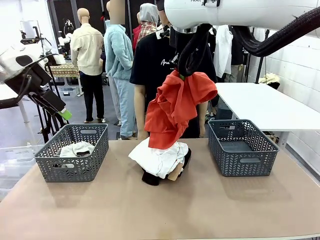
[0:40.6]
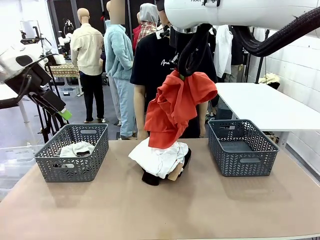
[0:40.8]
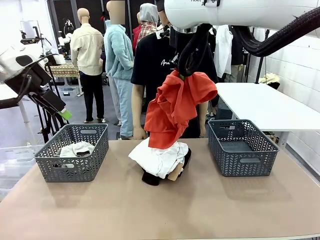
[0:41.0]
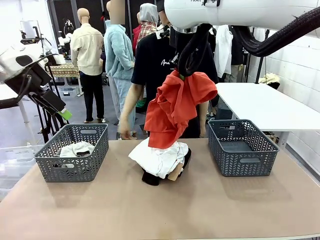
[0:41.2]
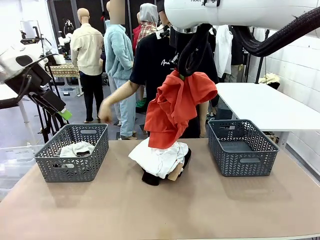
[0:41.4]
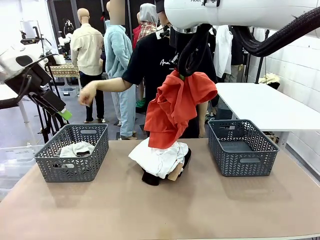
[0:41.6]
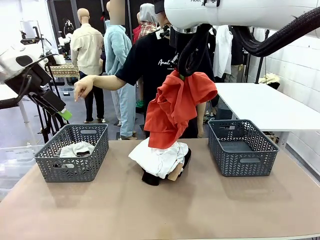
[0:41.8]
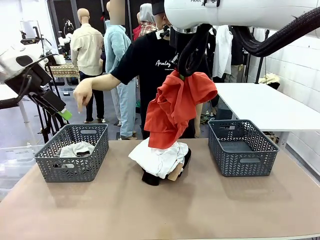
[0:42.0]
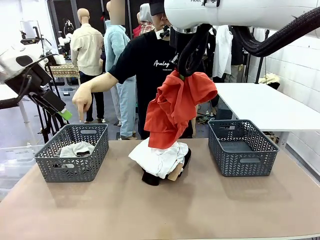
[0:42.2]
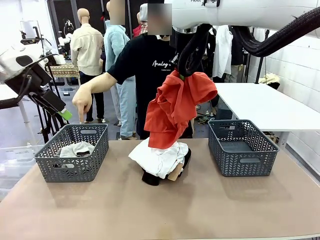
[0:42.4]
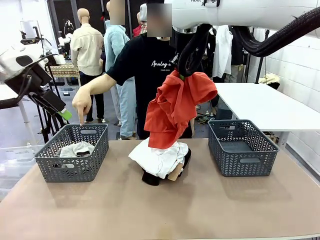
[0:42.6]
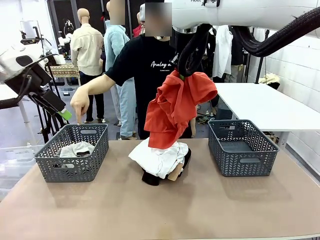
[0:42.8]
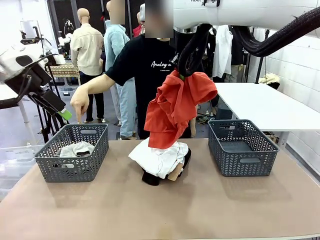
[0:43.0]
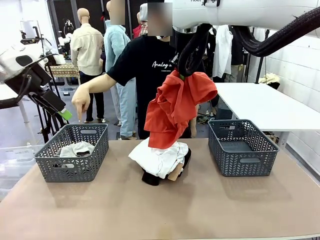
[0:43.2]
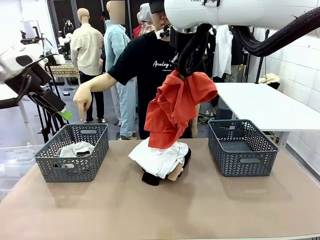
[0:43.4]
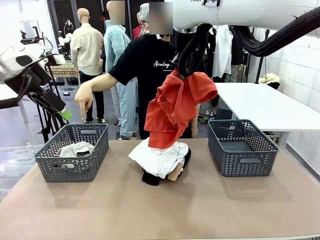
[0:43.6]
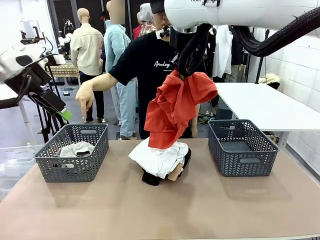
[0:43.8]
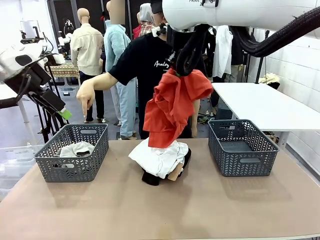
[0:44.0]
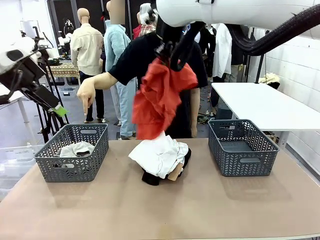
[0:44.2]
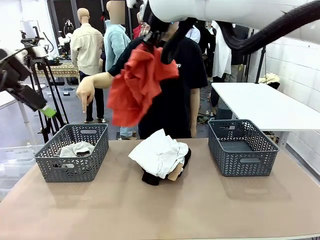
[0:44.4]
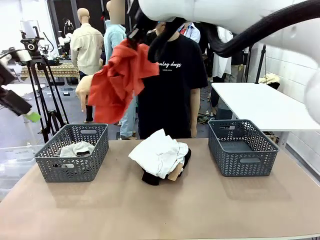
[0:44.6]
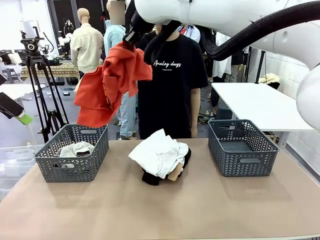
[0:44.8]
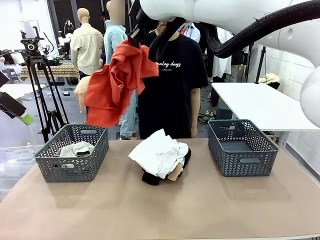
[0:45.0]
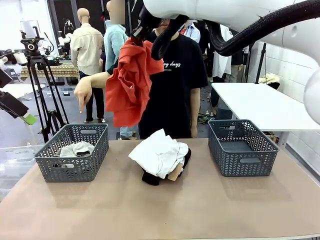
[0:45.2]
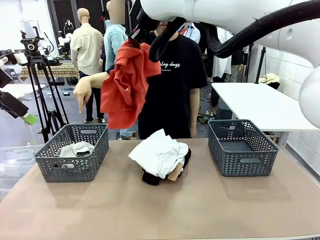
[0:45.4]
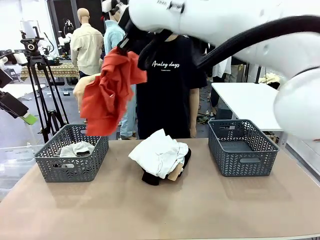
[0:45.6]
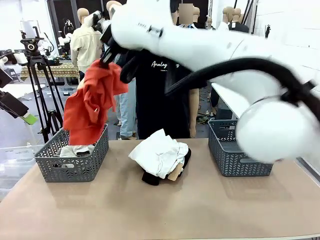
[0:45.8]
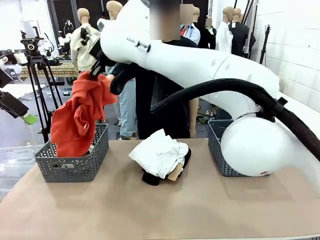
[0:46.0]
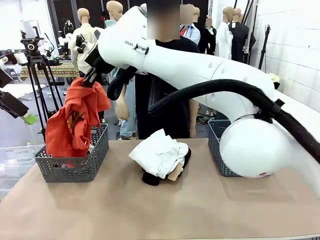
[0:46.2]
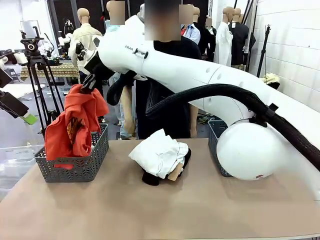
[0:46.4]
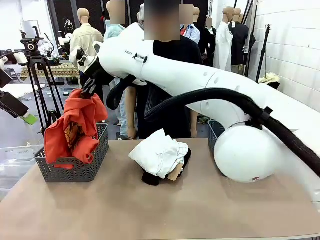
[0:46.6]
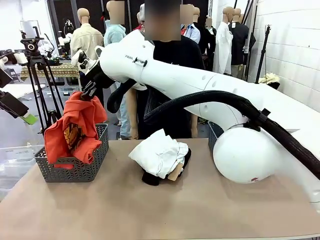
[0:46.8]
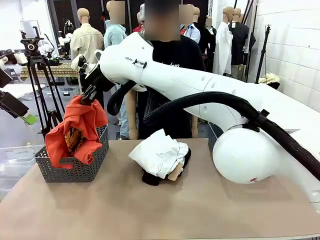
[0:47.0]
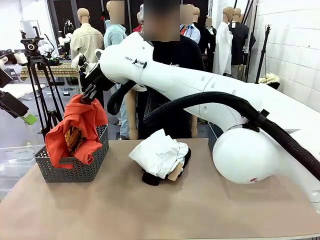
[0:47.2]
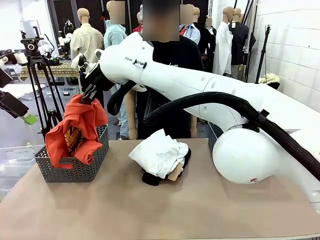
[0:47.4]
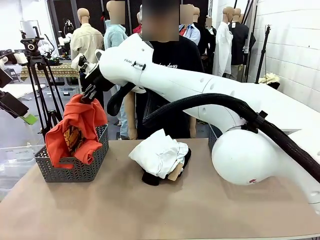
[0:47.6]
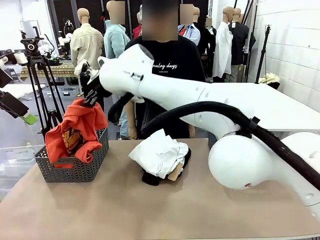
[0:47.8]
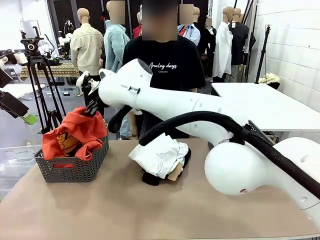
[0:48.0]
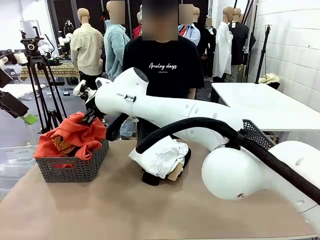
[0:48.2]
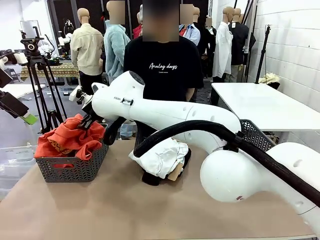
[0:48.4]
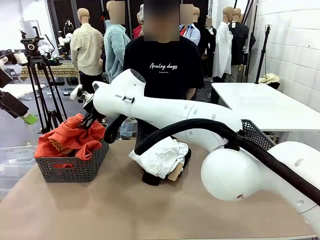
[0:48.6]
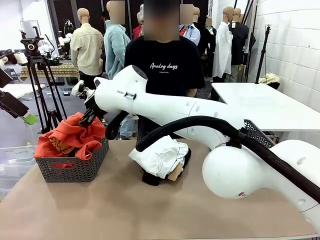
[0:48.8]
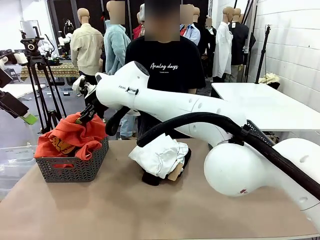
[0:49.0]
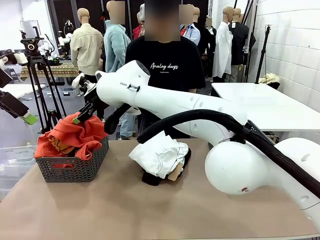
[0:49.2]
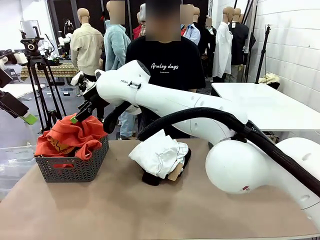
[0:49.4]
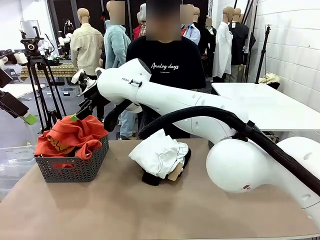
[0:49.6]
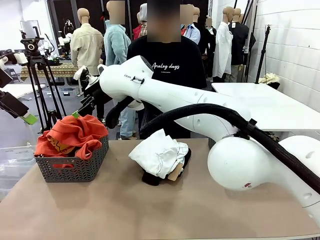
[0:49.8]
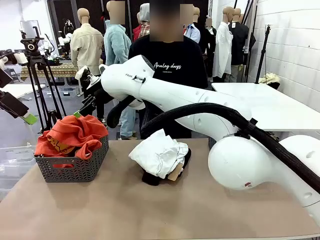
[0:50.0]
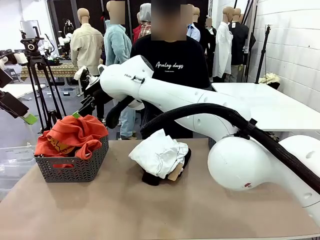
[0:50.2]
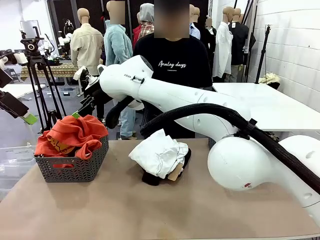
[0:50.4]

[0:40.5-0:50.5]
Task: Sort the tops and bottoms.
Robot: Sort the clothes according to human instructions.

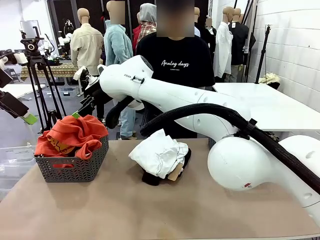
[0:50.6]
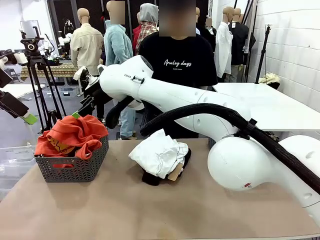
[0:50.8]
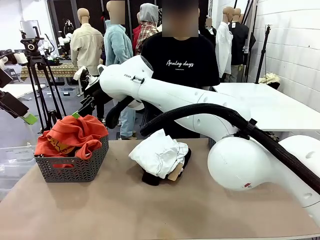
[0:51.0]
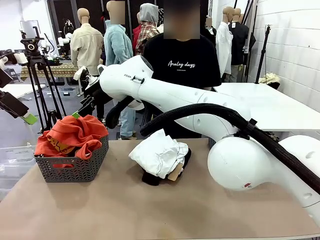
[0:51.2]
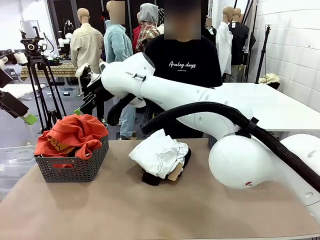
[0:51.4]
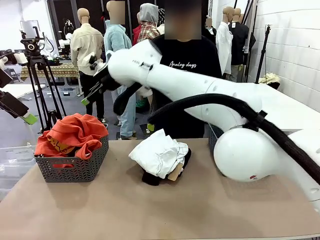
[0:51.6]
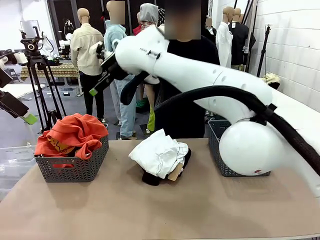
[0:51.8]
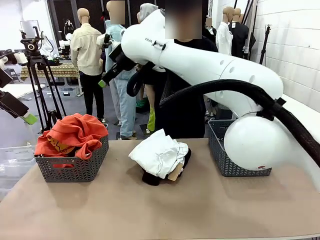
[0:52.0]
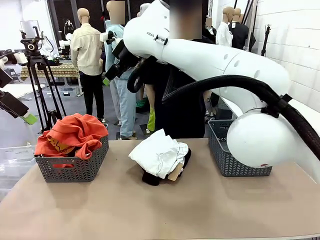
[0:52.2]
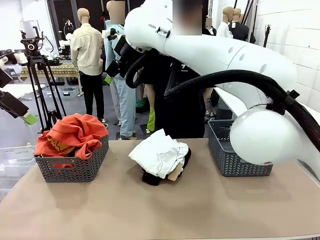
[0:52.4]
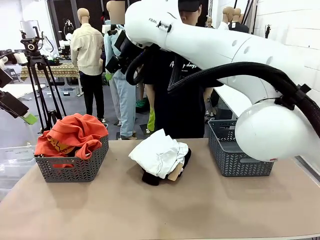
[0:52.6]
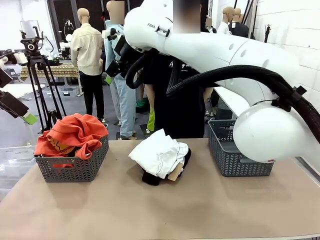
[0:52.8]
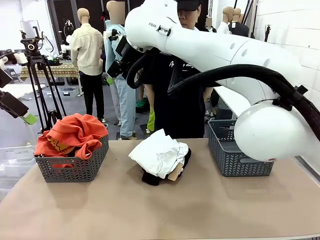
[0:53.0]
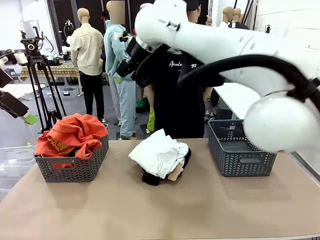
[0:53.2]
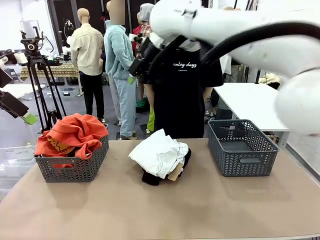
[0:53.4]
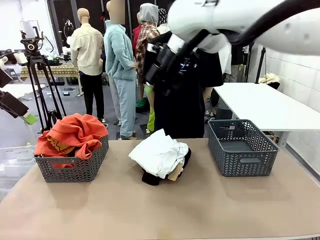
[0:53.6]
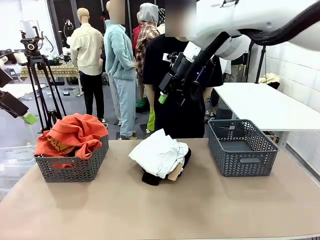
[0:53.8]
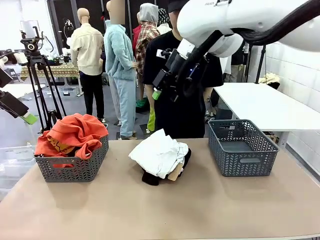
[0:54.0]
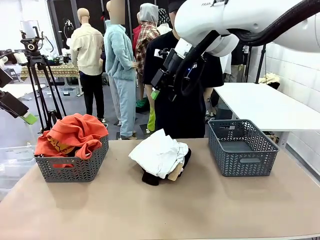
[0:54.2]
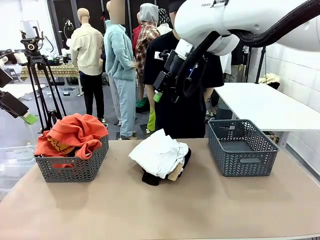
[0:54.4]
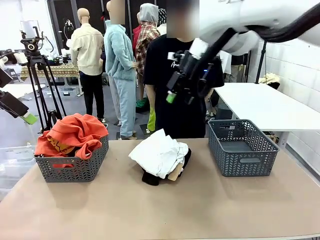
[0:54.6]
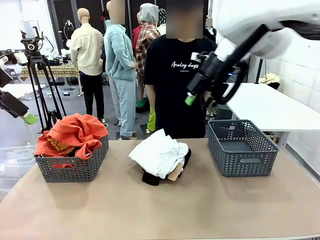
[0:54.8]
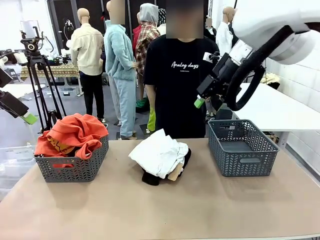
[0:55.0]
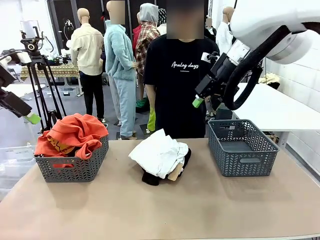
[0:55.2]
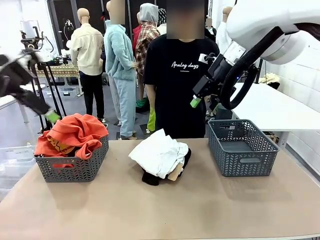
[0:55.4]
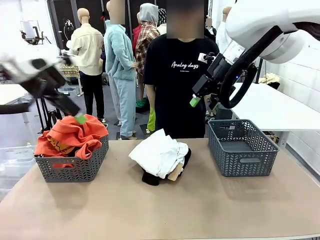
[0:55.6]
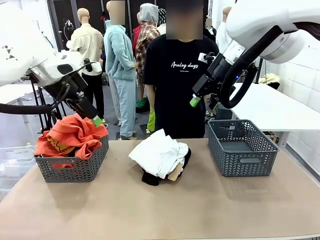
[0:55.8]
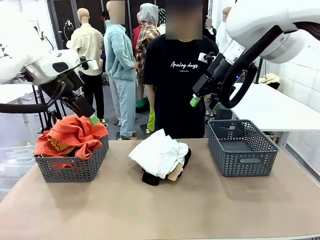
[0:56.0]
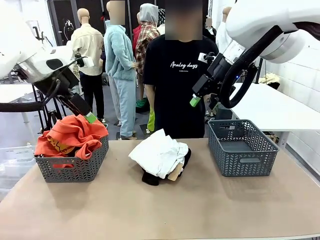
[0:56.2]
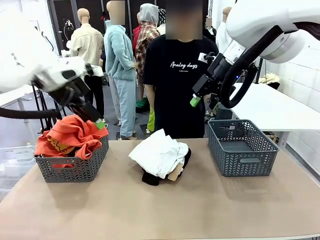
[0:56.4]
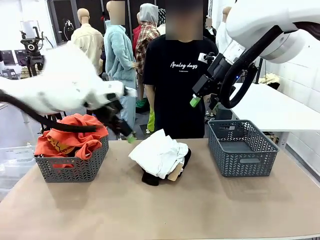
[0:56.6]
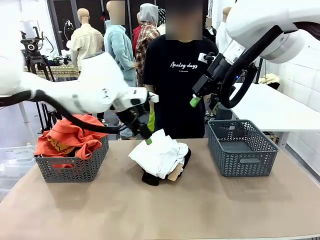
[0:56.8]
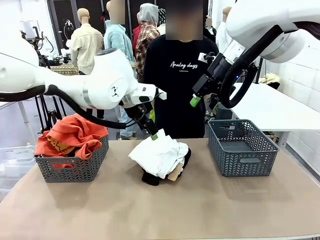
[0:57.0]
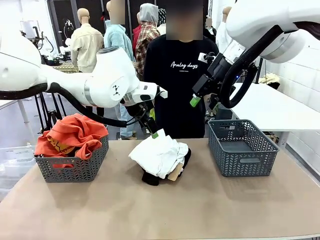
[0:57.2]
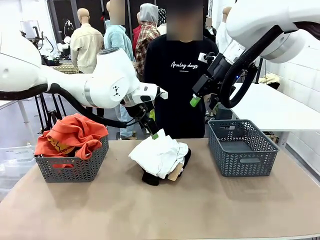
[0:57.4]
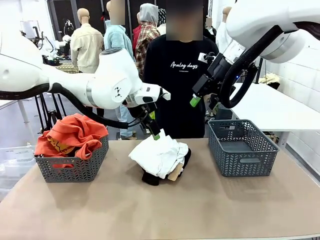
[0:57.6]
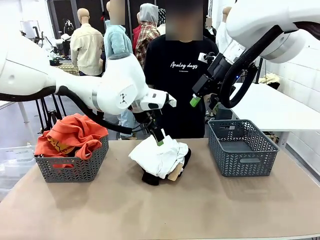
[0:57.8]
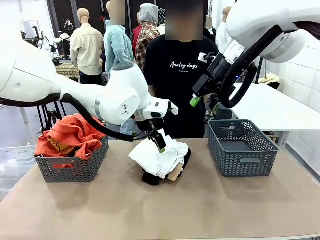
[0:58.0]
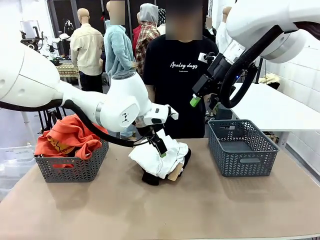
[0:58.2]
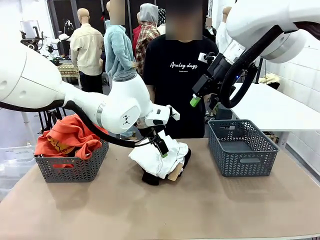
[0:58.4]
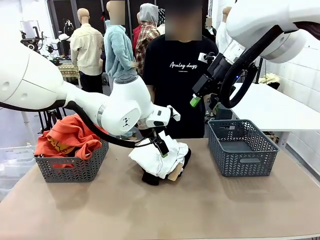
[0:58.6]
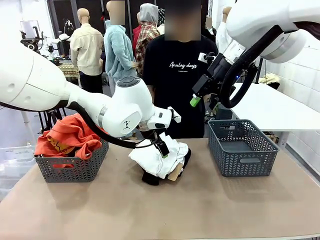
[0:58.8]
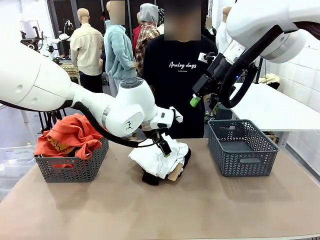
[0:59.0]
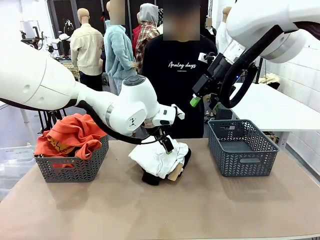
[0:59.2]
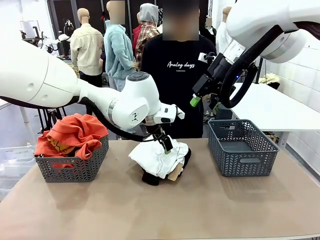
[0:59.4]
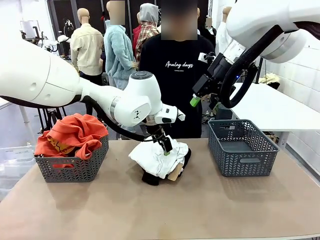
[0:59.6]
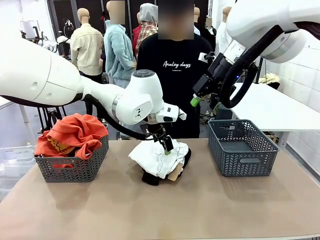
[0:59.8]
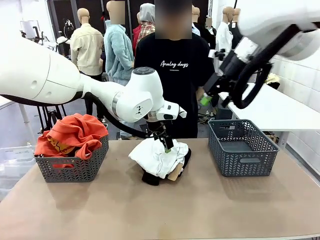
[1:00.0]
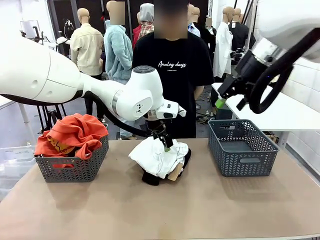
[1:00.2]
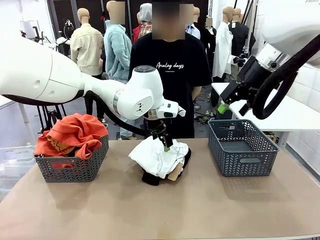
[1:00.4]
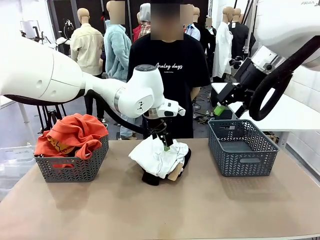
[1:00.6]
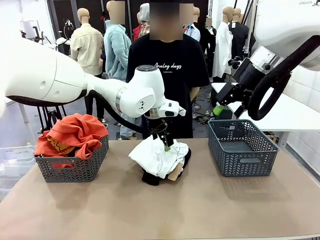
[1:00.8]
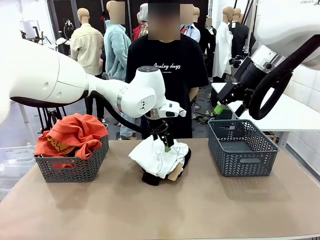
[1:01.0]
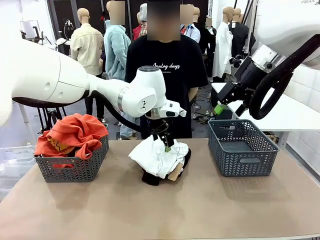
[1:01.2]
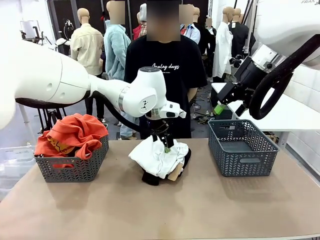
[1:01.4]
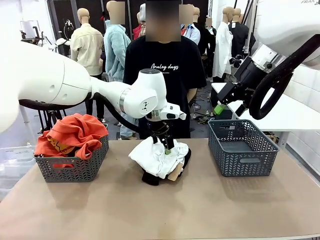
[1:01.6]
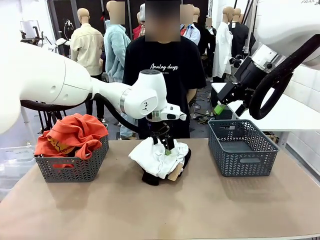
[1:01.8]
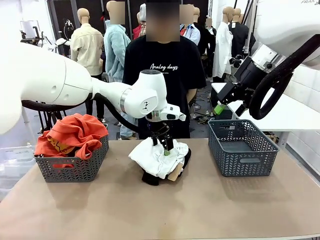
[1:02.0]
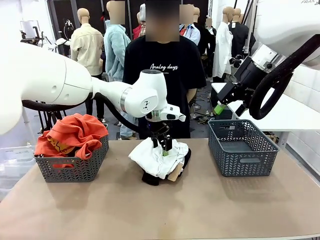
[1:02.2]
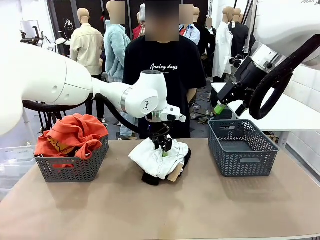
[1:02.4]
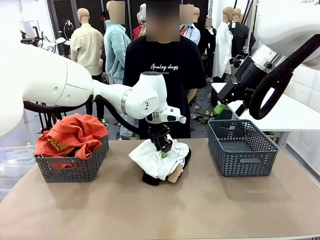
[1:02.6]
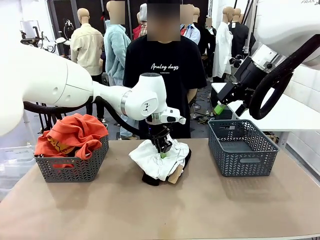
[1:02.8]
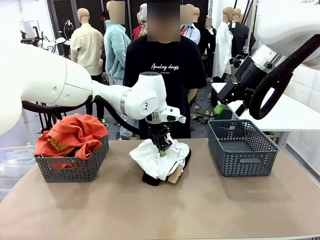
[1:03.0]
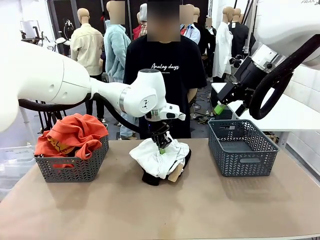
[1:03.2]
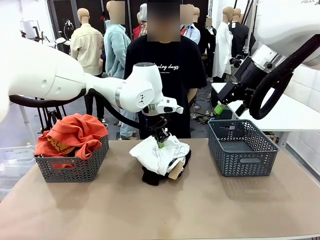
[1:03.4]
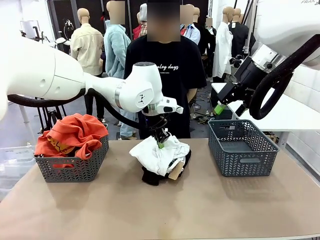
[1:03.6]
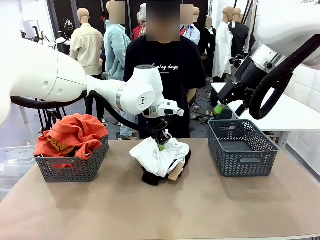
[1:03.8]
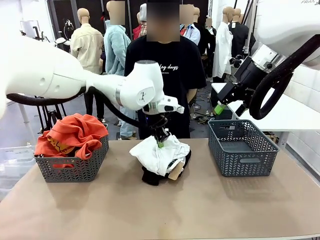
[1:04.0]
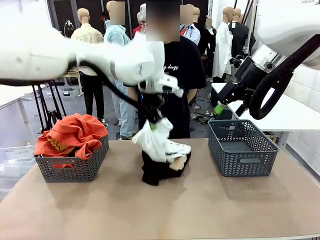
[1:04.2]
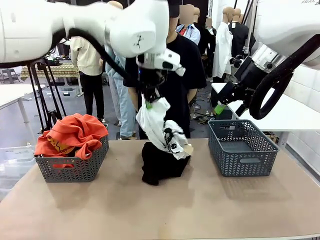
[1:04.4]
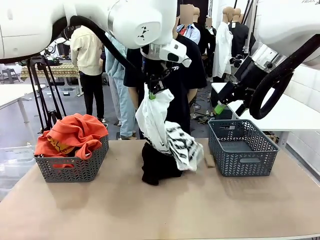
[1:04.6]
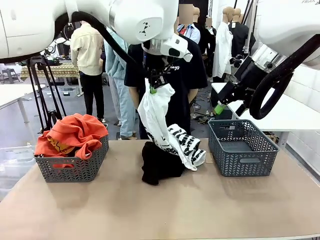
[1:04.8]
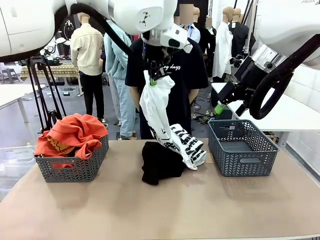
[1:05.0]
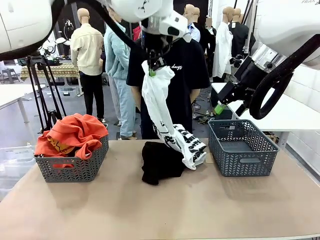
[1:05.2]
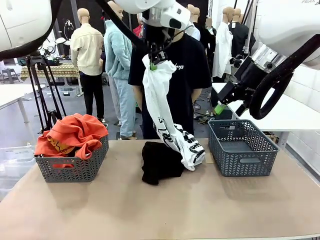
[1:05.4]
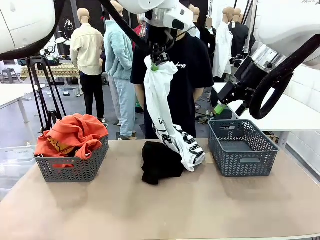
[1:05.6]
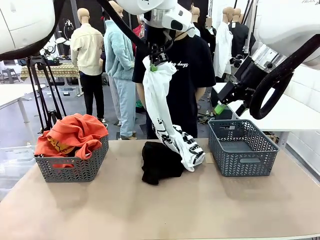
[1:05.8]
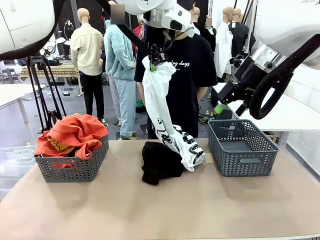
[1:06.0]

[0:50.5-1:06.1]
Robot: Lift clothes from the center of the table with your left hand.
